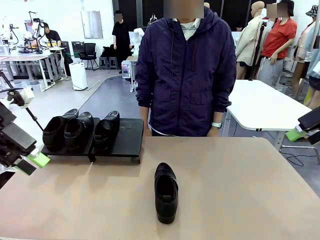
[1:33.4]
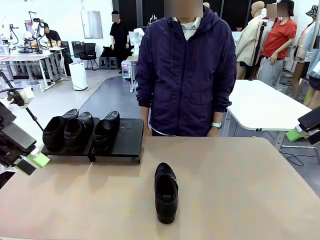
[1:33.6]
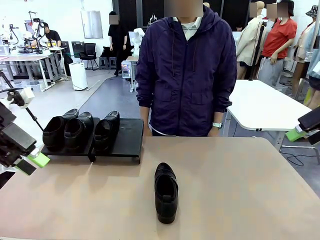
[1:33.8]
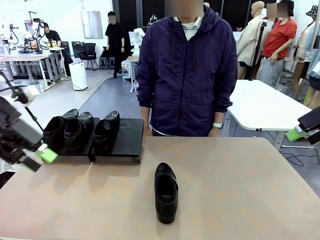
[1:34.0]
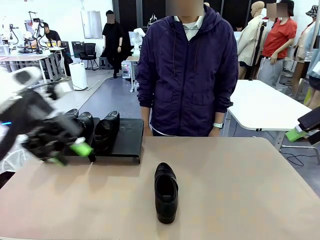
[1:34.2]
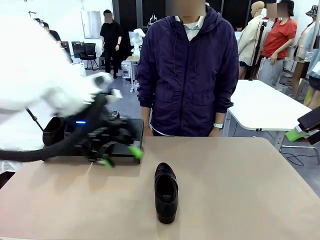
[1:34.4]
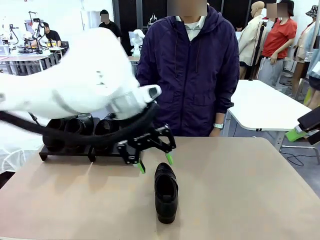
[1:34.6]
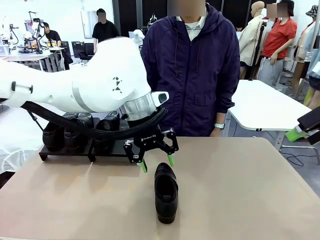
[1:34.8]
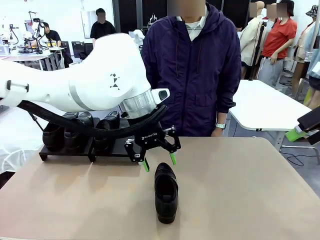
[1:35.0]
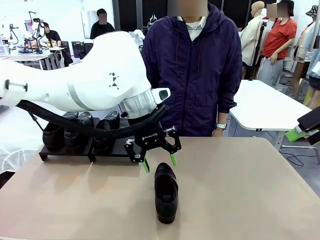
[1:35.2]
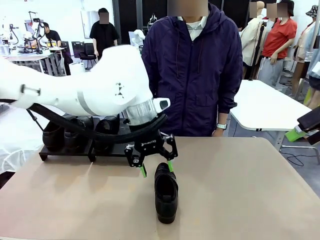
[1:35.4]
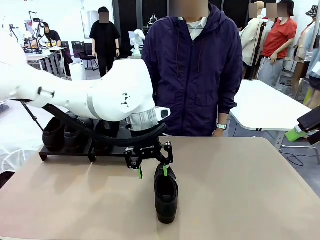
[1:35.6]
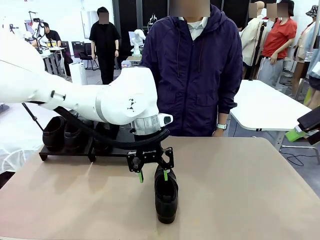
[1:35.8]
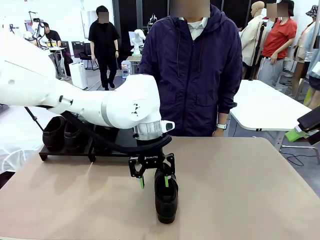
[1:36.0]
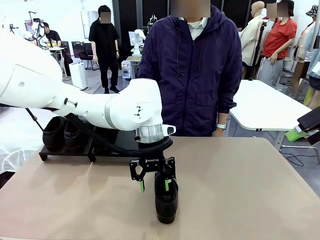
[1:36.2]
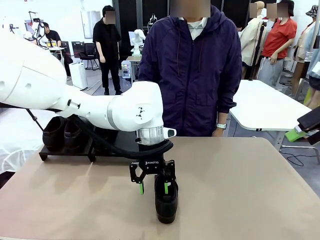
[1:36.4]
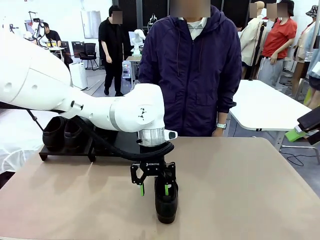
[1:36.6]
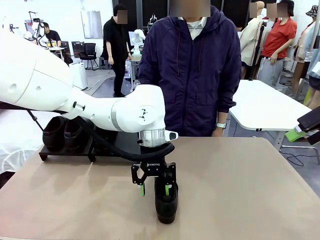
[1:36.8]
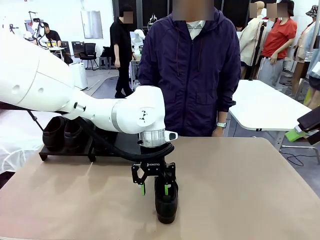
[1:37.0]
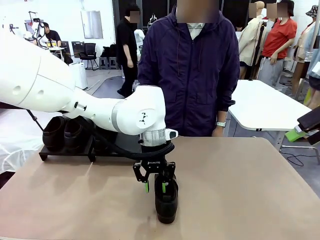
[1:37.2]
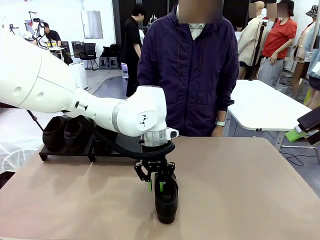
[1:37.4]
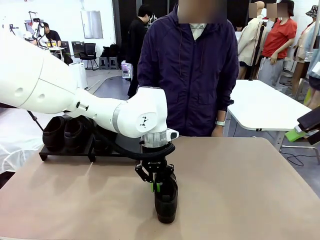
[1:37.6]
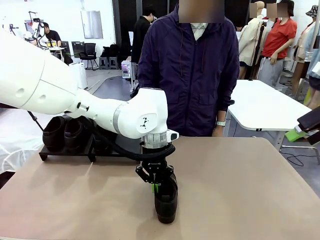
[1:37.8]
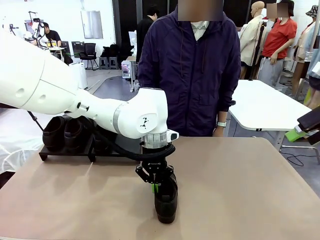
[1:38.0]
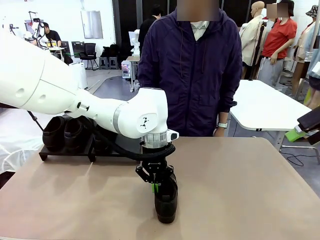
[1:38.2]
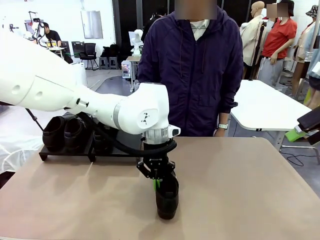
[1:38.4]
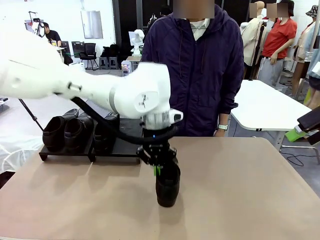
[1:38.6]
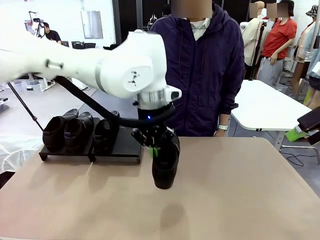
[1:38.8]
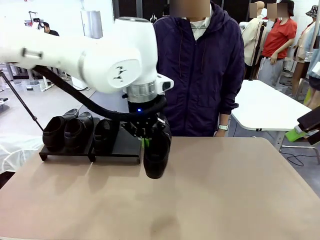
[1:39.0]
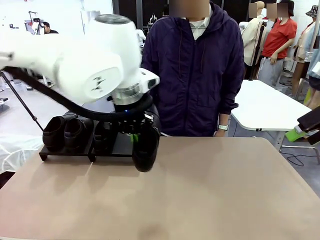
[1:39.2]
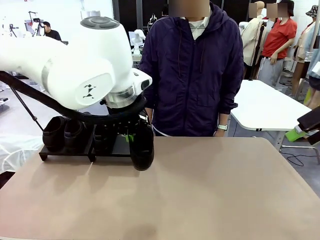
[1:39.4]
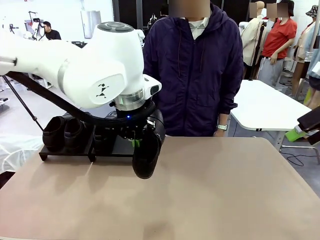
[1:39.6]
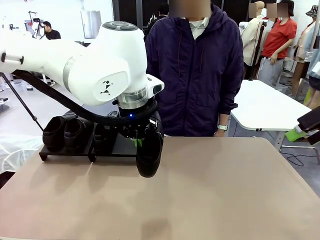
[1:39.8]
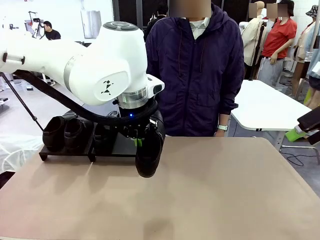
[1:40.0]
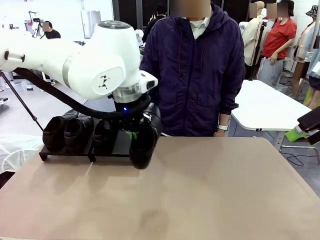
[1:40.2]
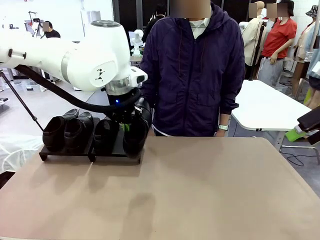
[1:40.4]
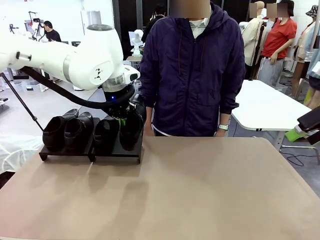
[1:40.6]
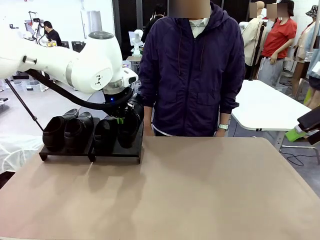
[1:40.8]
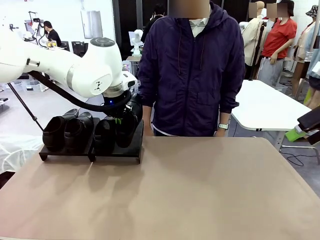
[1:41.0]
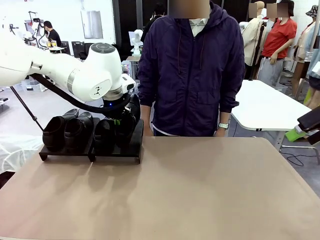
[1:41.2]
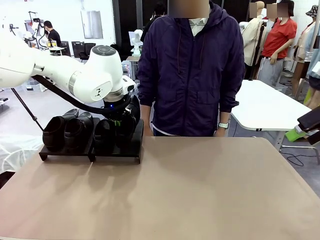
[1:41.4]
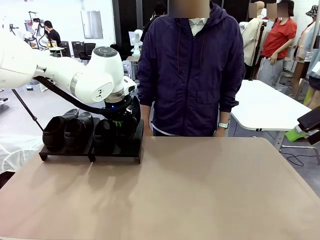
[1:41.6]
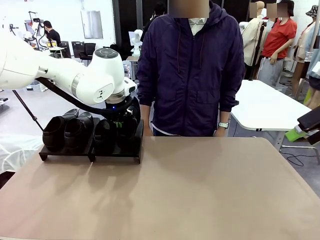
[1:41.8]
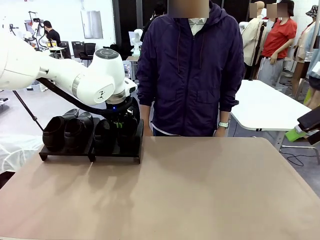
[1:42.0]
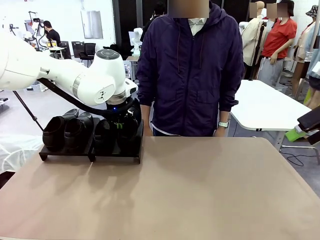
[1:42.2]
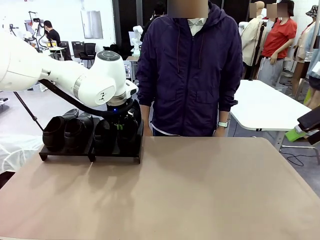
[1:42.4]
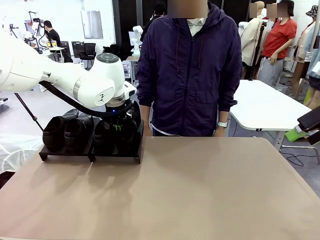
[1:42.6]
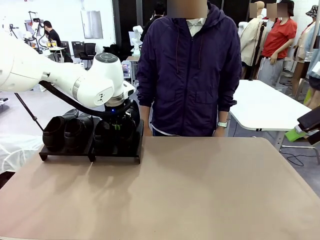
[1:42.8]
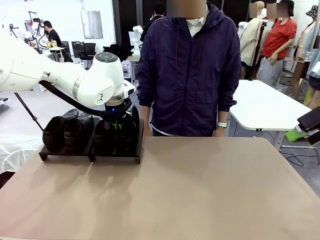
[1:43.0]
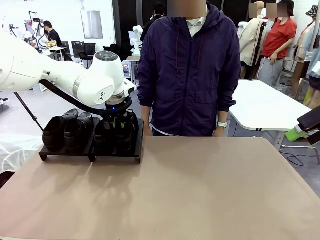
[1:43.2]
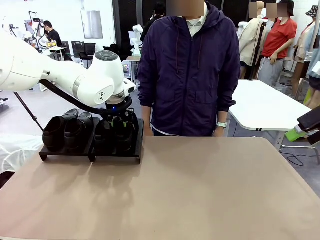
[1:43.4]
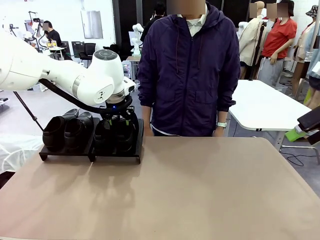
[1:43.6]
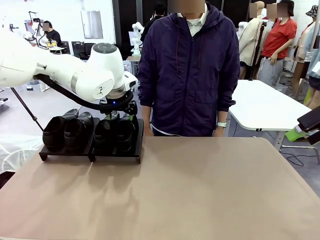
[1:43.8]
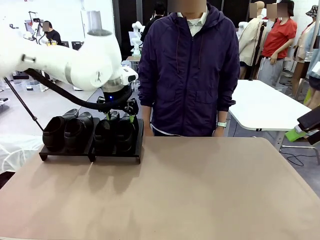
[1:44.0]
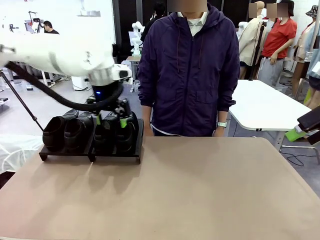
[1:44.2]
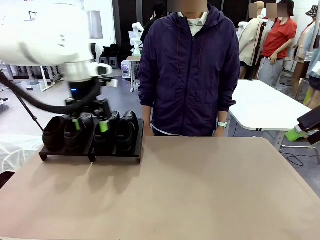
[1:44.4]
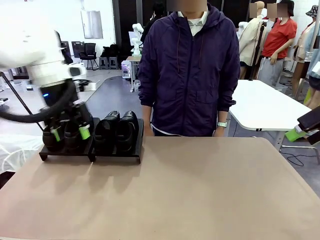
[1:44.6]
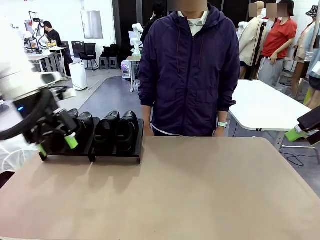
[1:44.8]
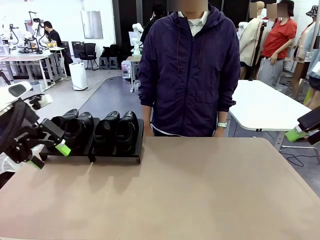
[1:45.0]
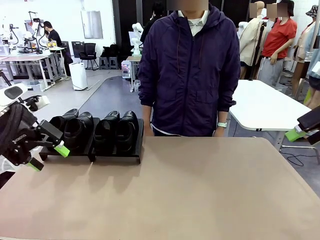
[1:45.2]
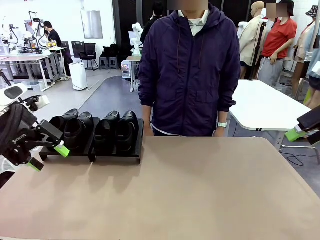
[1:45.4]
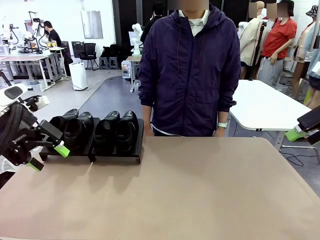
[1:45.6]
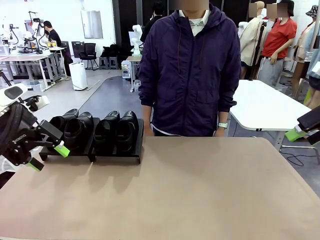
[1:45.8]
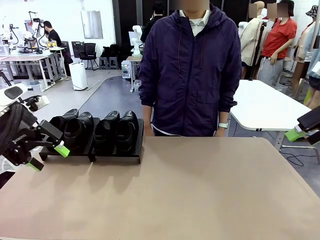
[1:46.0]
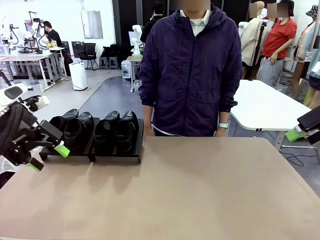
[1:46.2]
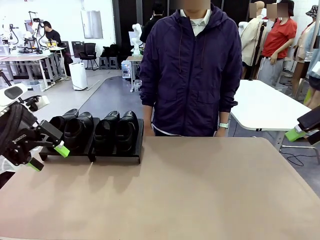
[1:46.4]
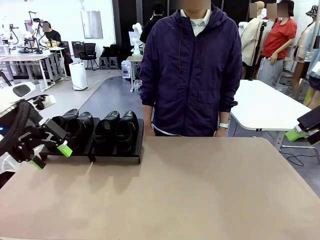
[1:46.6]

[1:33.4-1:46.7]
Task: Organize the shoes by placing them on the stand.
Robot: Place the Shoe from the middle of the table onto the Shoes Stand.

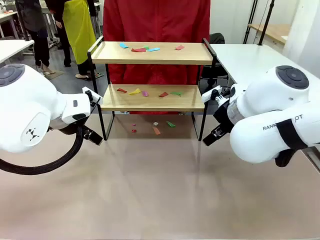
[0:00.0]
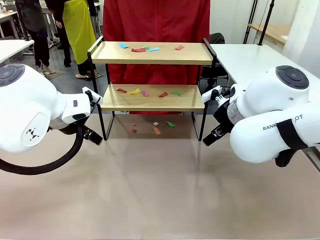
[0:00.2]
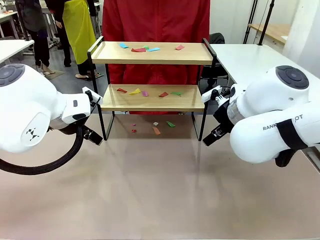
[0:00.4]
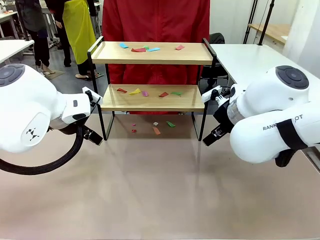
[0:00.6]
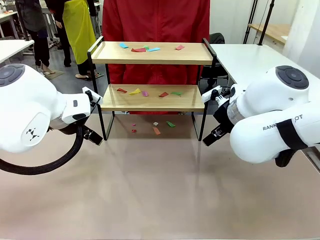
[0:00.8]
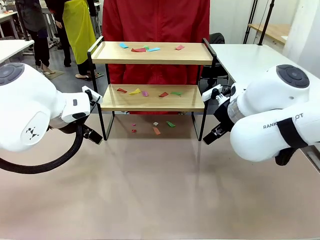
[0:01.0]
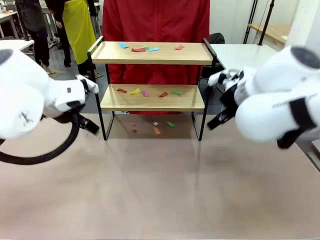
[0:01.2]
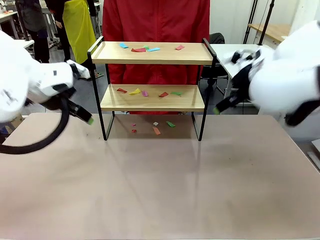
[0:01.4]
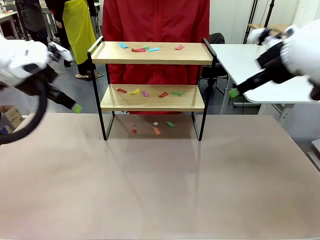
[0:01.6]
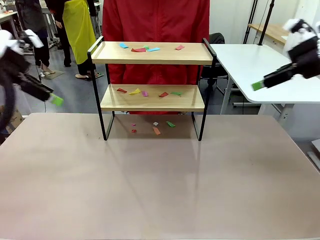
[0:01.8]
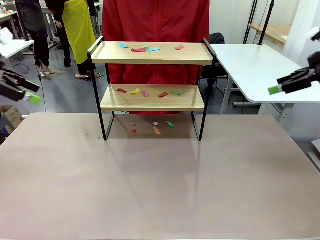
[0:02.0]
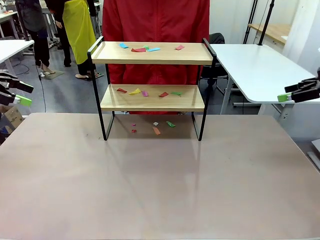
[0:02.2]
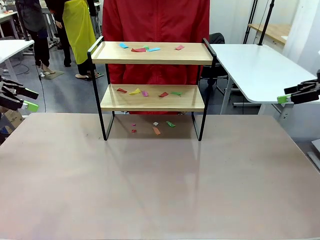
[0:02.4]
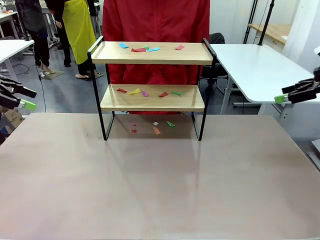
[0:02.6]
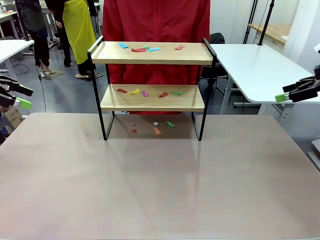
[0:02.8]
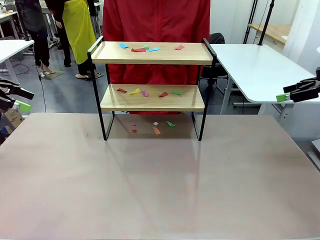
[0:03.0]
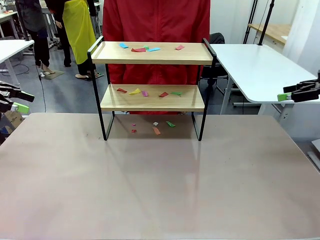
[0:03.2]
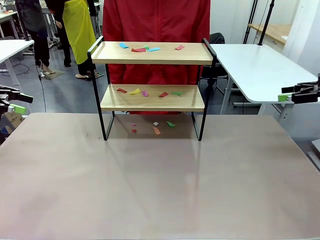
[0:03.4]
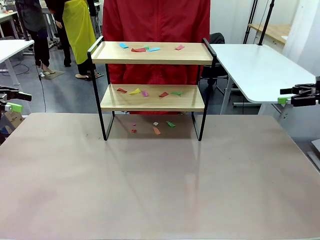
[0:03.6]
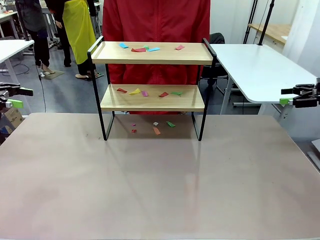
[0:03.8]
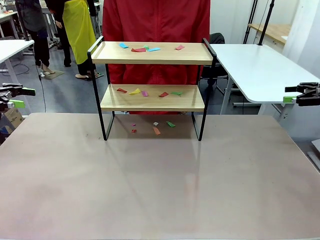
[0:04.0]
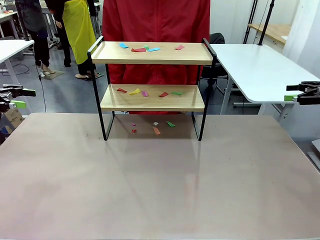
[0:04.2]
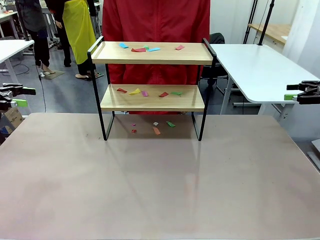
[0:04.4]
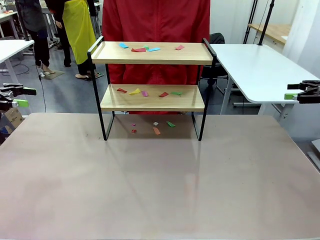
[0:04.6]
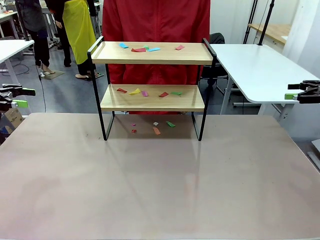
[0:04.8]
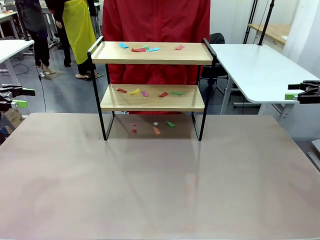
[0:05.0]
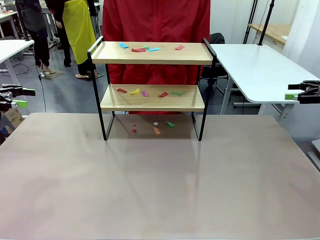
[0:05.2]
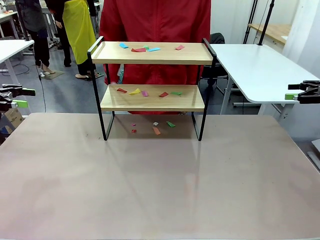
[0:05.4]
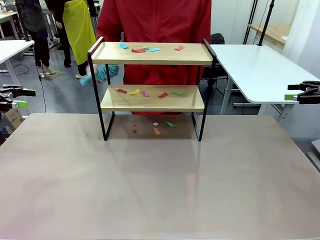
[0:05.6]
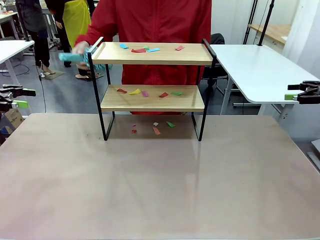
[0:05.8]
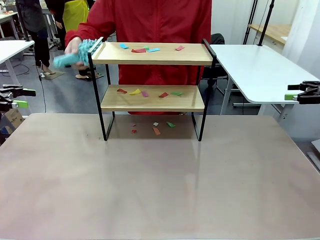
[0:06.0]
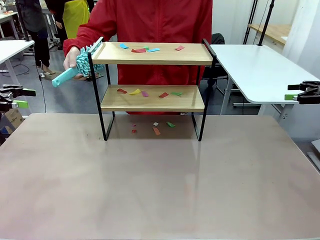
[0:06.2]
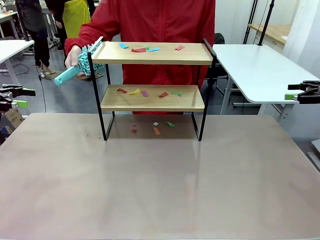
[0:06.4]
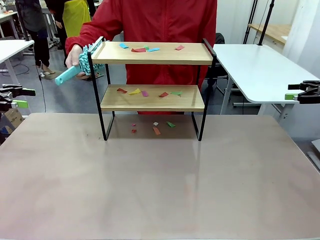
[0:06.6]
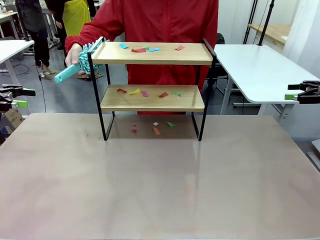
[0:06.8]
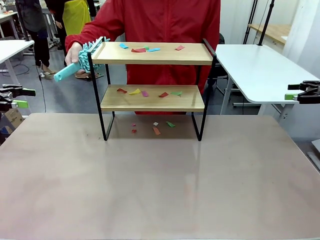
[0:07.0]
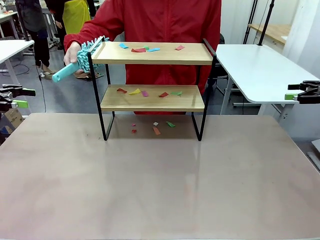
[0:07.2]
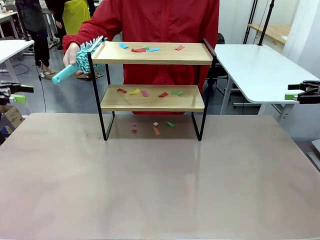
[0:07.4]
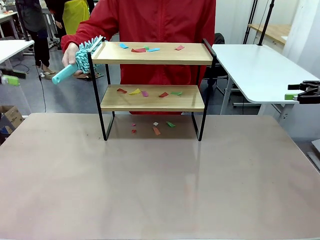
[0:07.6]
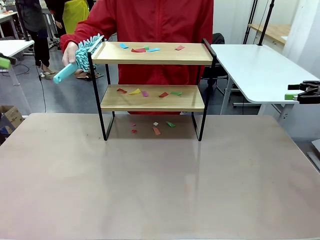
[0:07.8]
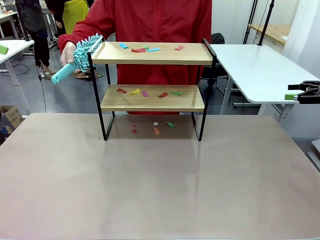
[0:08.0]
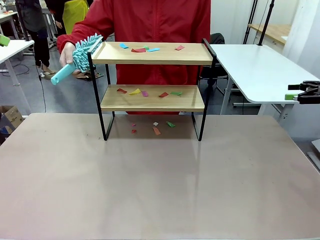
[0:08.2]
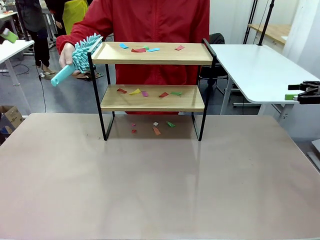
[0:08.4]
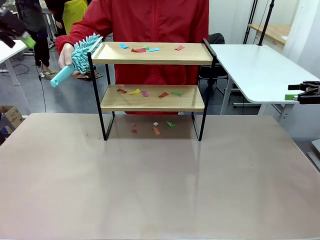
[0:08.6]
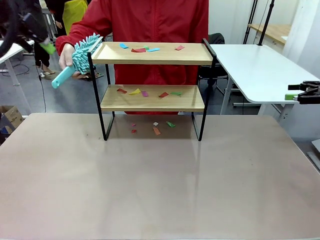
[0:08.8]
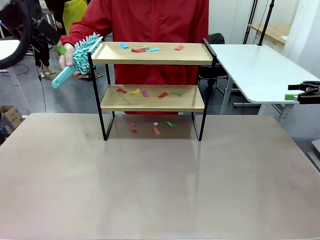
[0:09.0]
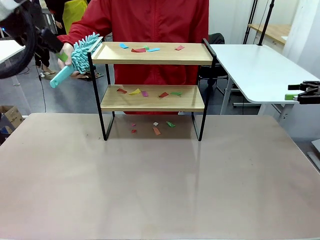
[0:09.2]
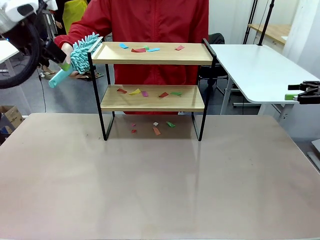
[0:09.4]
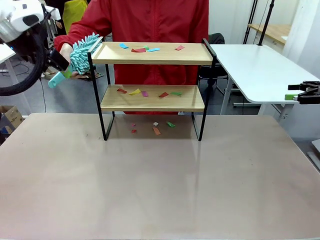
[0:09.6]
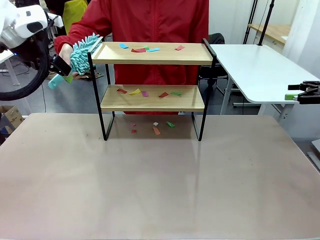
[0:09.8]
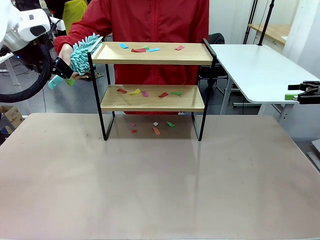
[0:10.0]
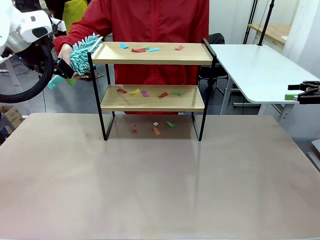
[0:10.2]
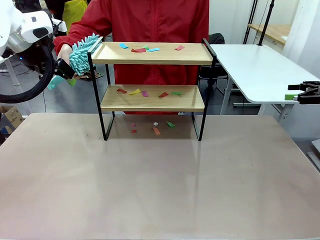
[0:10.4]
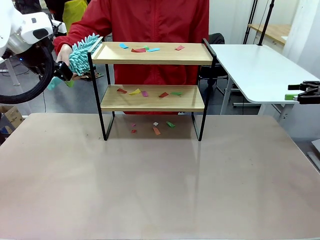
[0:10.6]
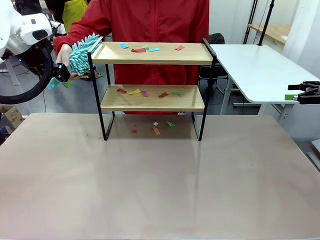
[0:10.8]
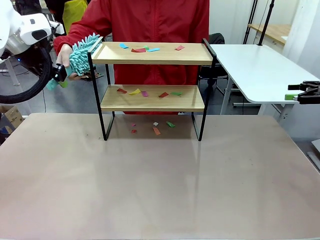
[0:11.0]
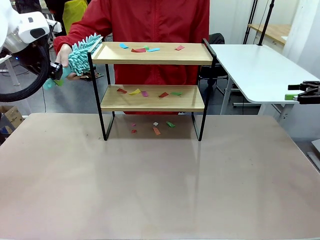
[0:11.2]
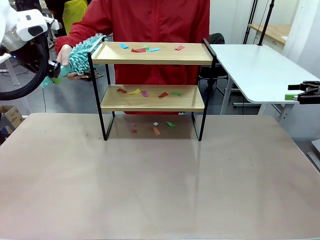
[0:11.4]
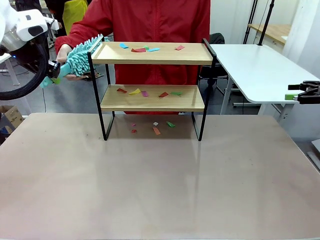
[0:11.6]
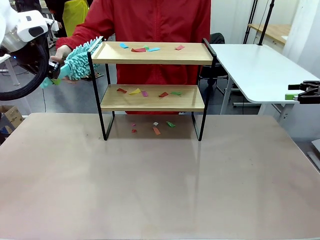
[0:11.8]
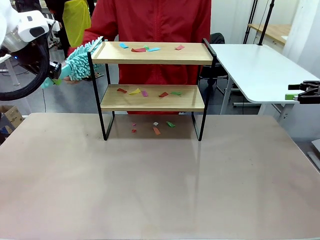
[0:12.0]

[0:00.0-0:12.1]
Task: Clean the shelf.
Robot: Pick up the Duster handed by the human.
Person: Hand the Duster to the robot.
